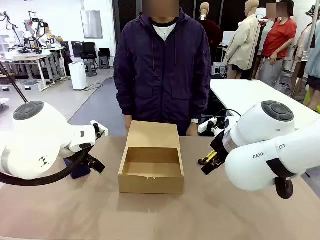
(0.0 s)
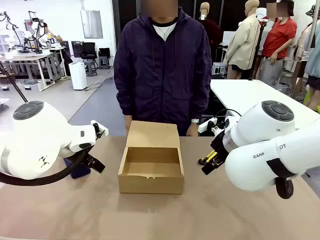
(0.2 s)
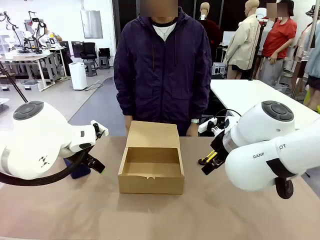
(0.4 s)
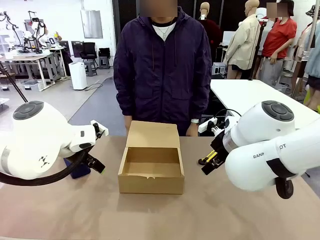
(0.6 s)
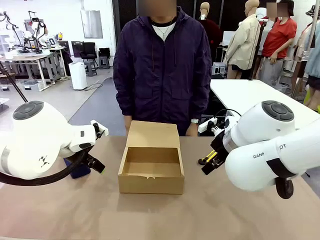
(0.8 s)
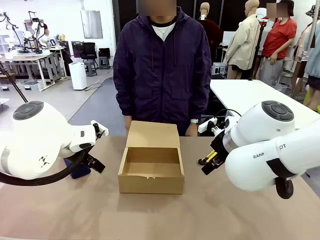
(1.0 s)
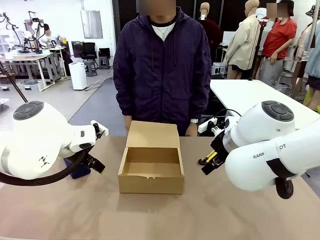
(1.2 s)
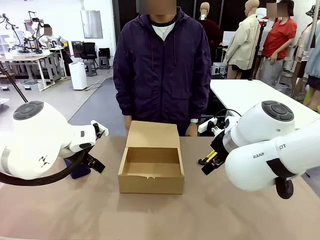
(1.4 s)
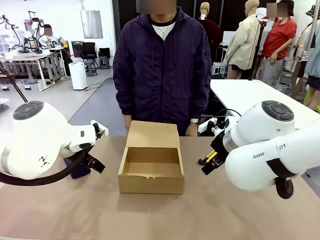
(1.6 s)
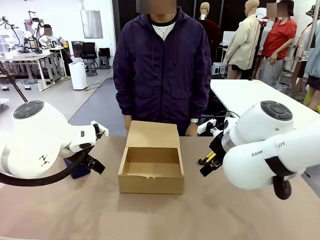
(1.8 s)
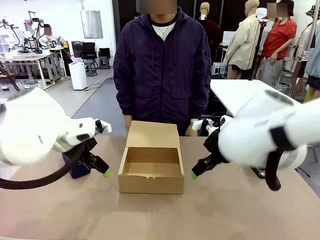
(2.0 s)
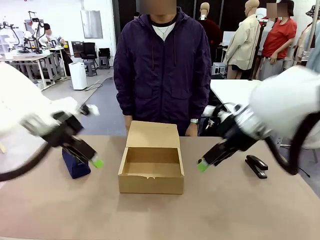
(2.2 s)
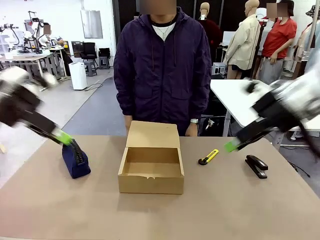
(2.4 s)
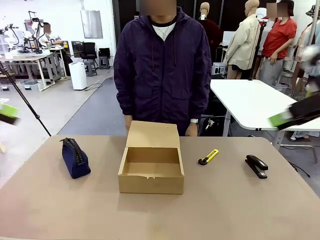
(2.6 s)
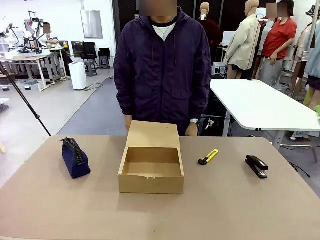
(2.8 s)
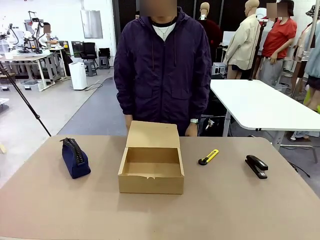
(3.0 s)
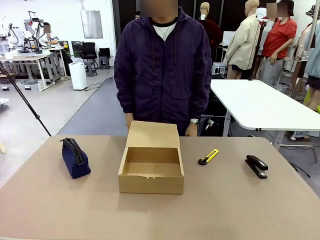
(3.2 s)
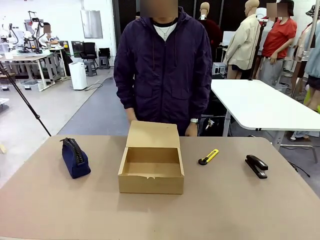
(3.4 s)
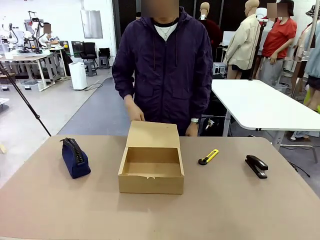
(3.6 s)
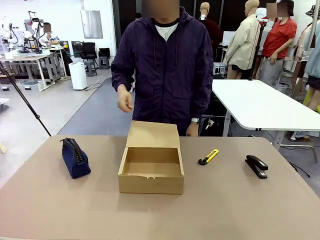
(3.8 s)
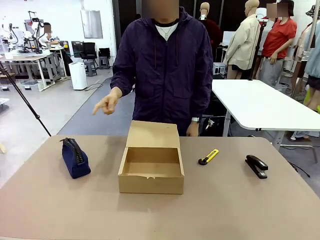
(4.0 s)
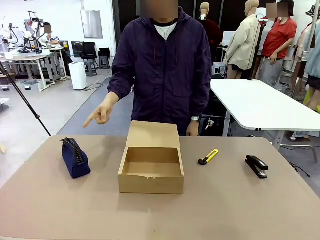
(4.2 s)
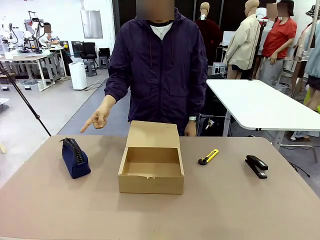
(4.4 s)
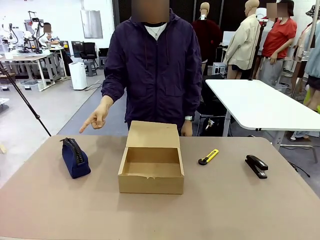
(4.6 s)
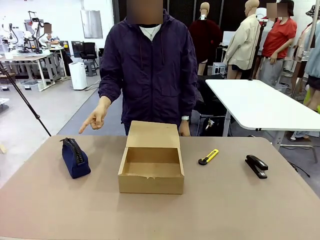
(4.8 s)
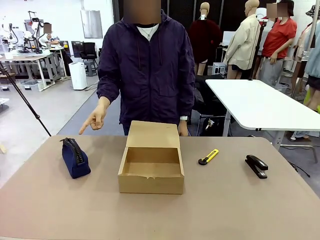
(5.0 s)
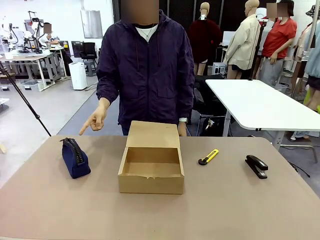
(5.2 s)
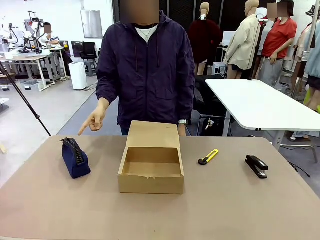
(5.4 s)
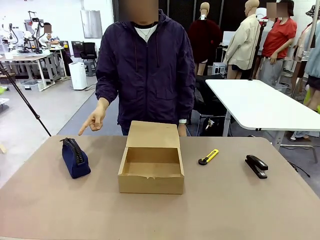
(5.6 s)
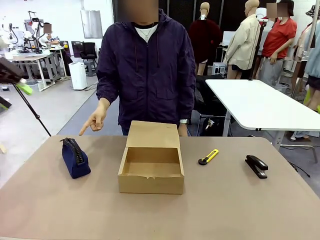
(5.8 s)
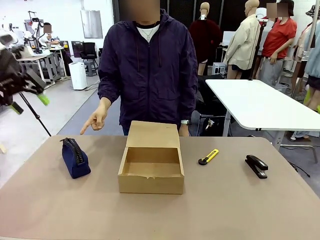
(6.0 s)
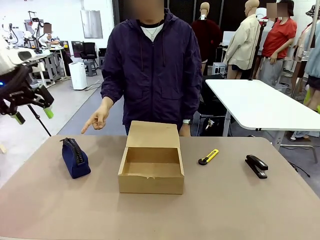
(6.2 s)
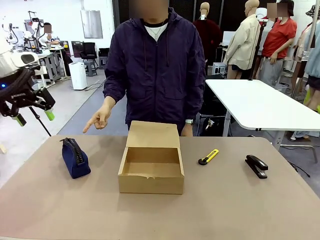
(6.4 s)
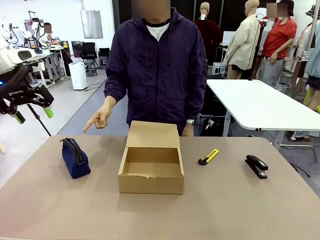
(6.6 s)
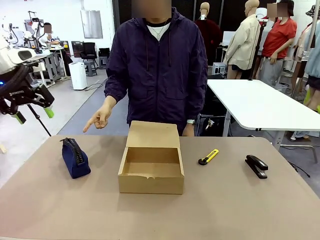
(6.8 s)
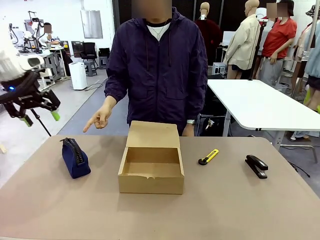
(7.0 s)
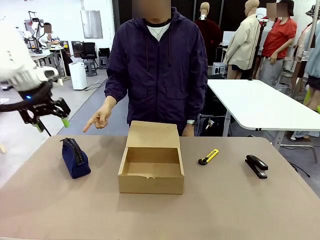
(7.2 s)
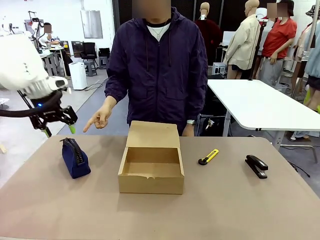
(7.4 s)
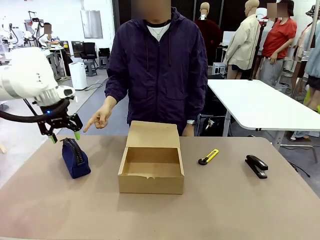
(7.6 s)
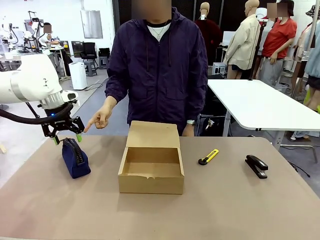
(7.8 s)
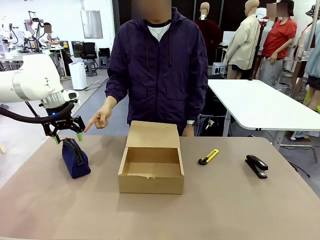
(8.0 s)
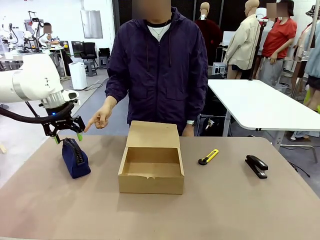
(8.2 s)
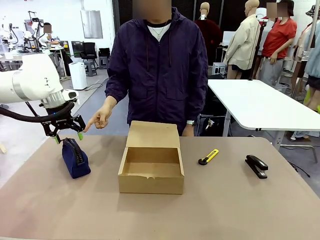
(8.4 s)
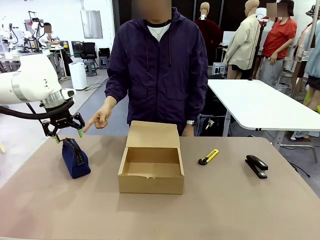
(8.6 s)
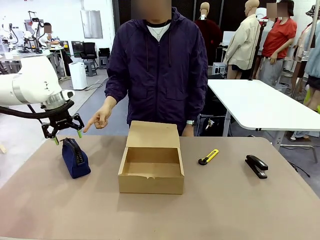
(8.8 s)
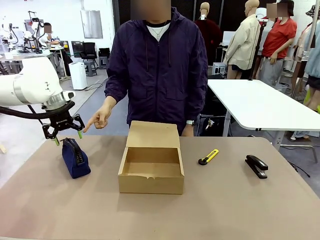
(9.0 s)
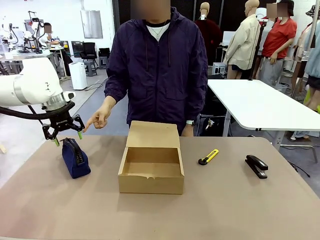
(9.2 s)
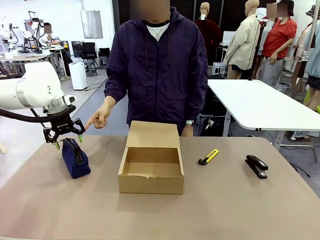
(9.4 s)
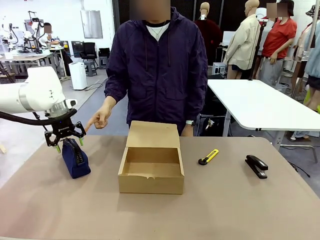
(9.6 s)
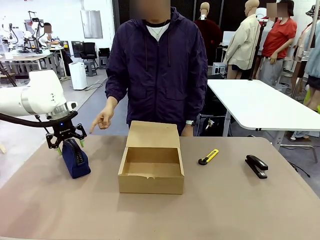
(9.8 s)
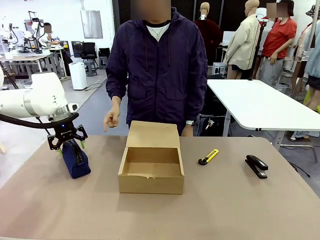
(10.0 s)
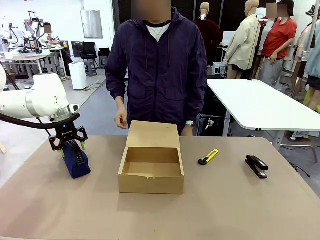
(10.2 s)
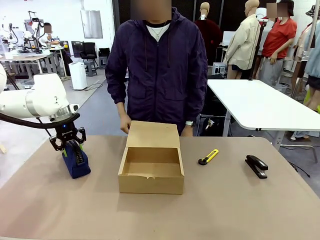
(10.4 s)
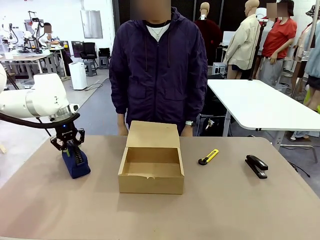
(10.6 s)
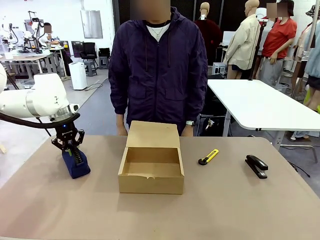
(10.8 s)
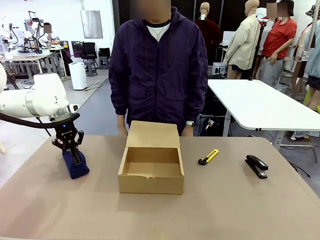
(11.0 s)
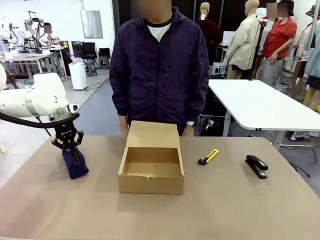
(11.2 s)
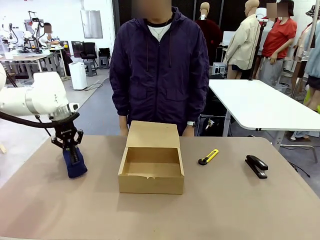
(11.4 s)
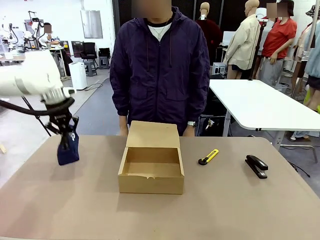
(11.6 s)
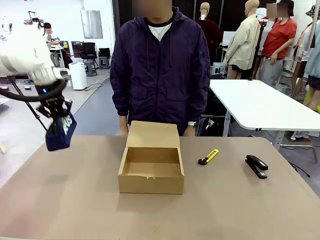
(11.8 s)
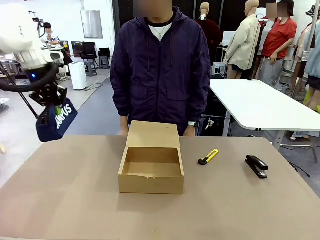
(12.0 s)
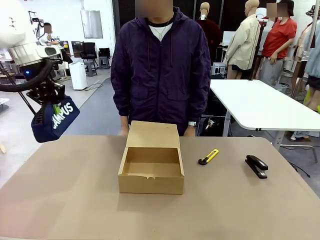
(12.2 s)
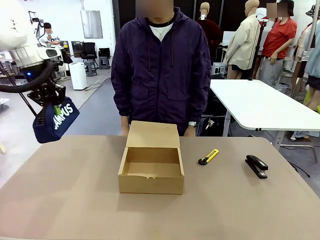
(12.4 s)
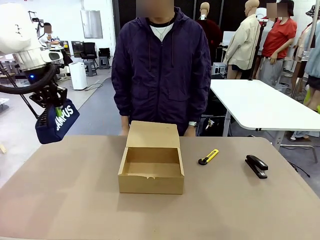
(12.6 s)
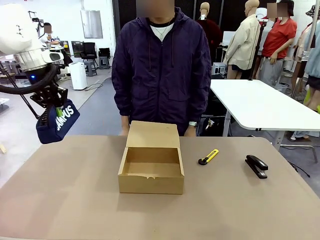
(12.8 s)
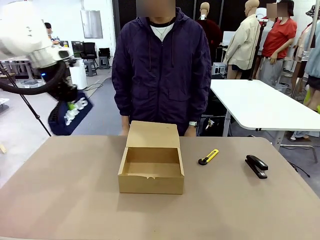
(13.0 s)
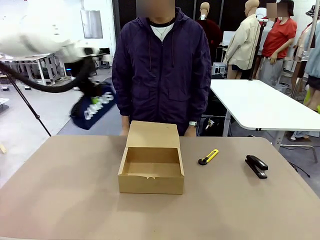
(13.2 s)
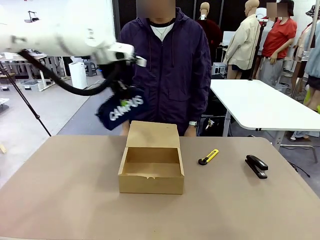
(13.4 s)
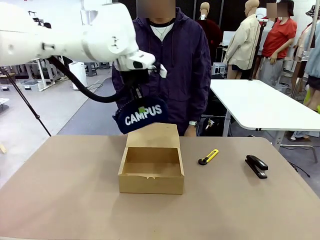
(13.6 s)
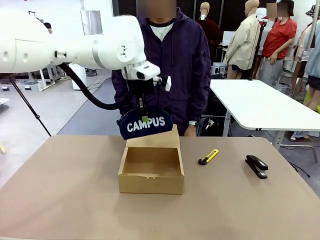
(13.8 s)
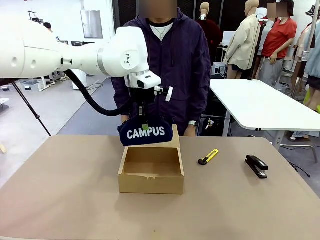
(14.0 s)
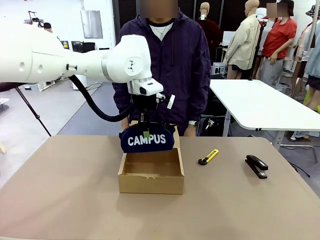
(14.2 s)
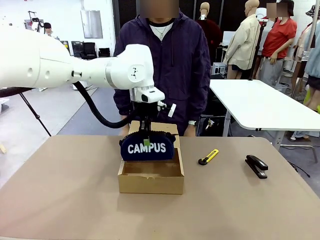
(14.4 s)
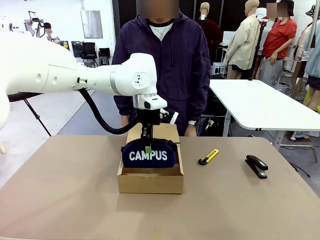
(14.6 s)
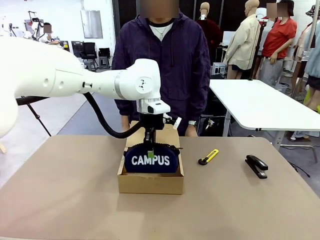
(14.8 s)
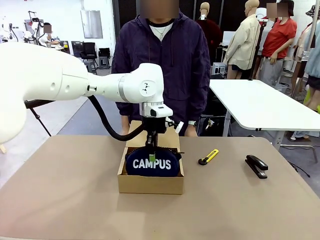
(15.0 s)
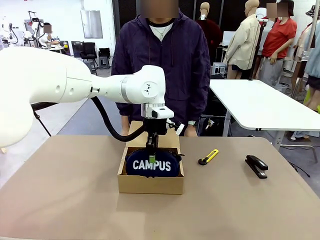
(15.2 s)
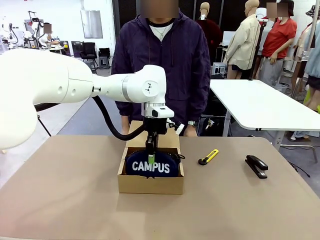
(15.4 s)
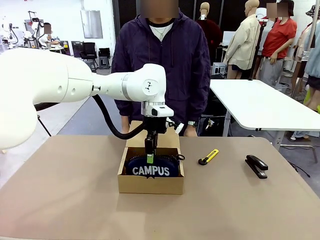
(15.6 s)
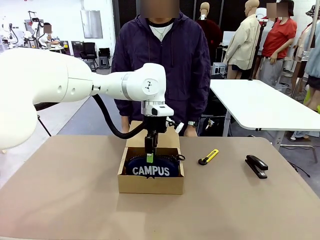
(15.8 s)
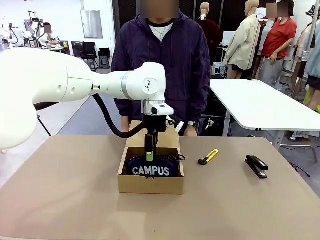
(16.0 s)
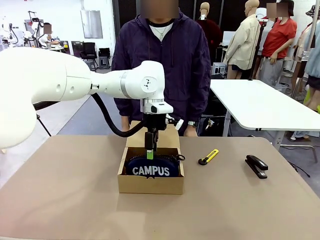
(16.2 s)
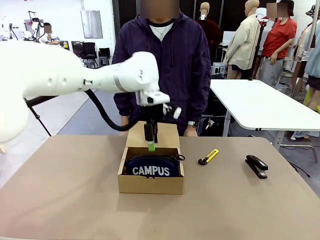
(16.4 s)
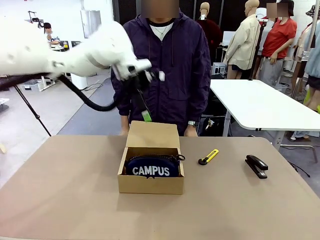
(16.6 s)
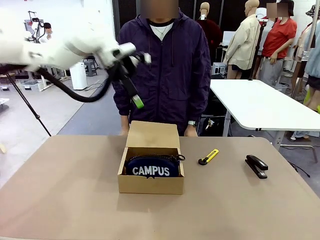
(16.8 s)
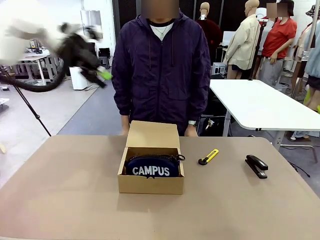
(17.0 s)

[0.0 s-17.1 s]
Task: Pack the items into the box.
Robot: Pick up the item indicated by the person and place it inside the Mailer Box.
